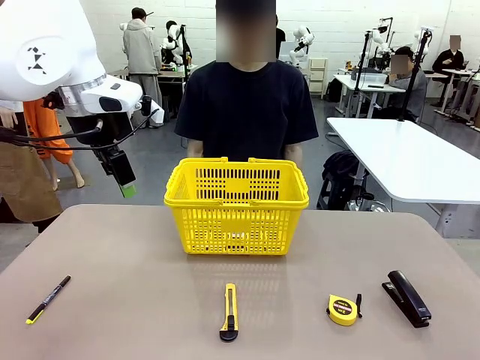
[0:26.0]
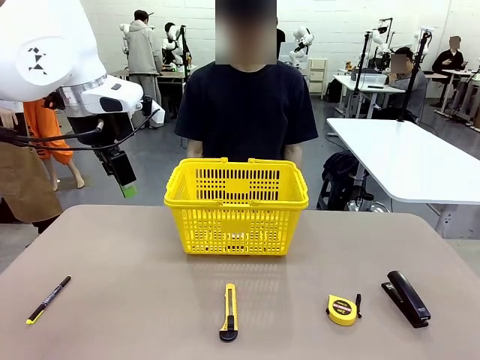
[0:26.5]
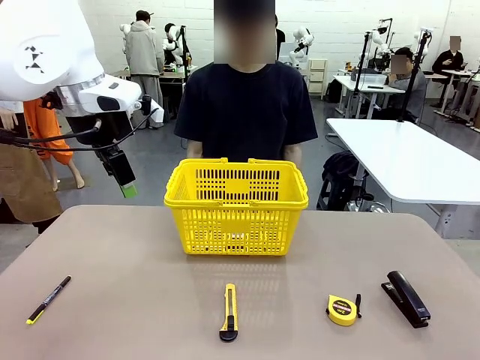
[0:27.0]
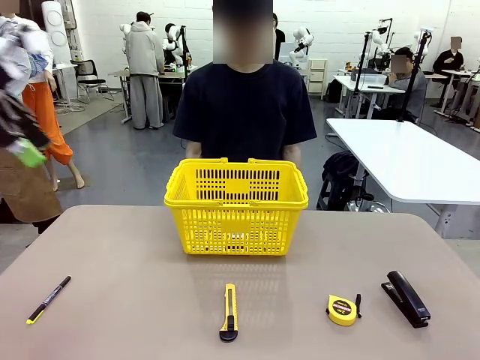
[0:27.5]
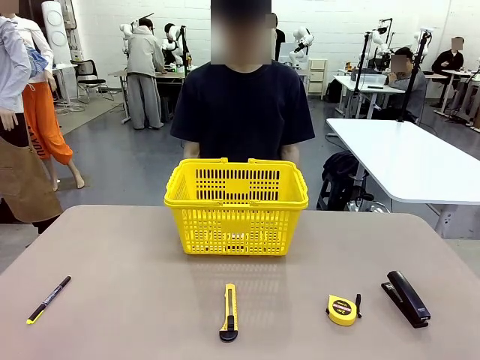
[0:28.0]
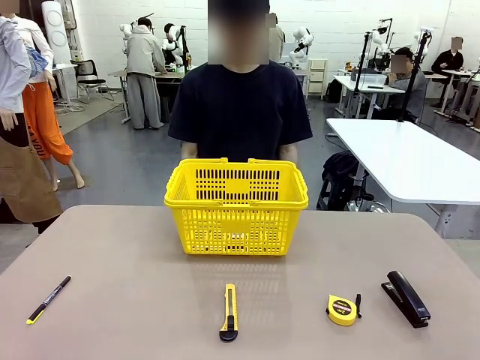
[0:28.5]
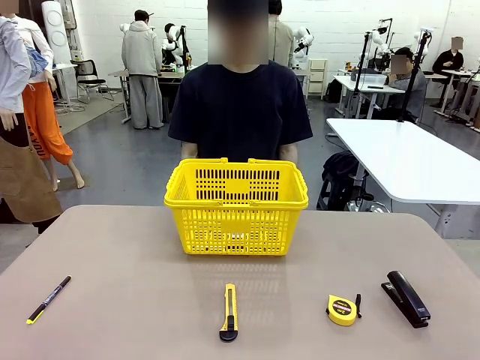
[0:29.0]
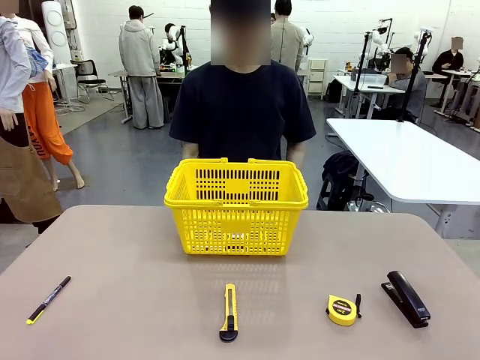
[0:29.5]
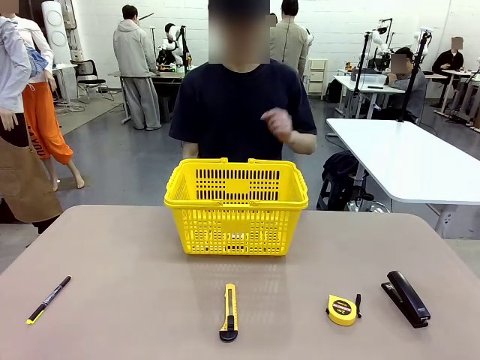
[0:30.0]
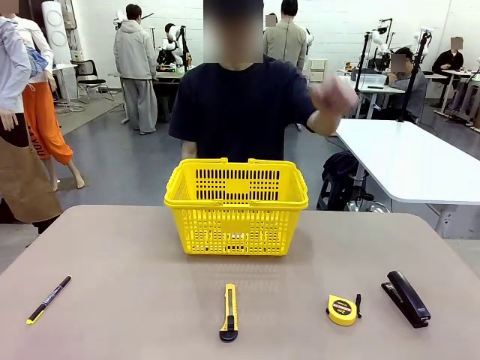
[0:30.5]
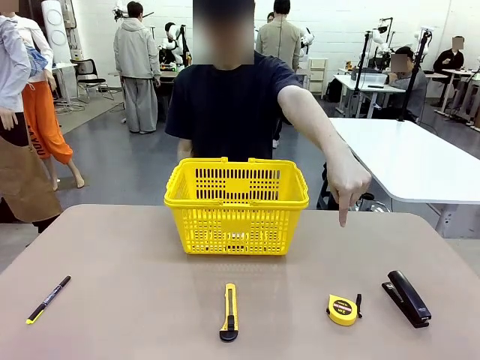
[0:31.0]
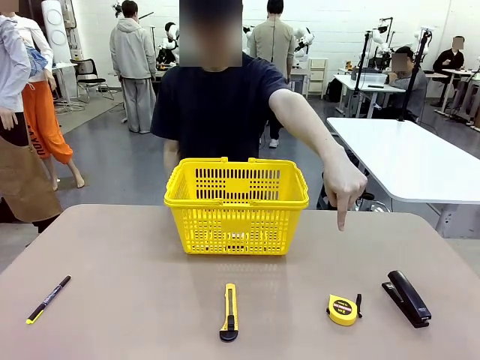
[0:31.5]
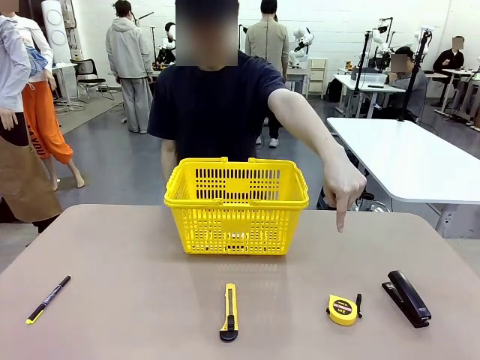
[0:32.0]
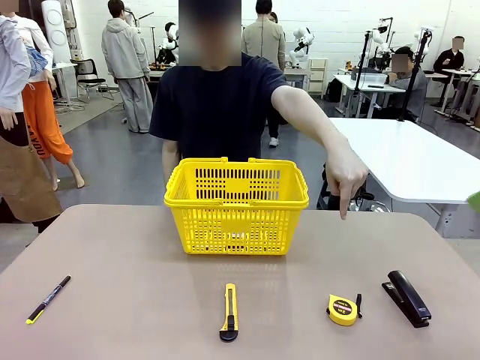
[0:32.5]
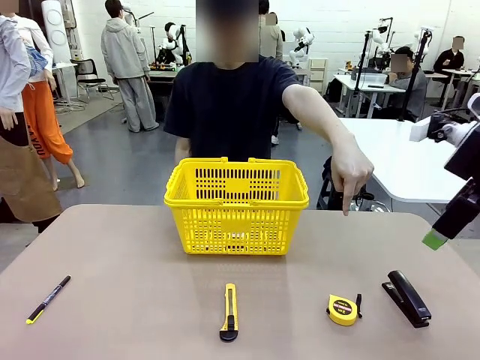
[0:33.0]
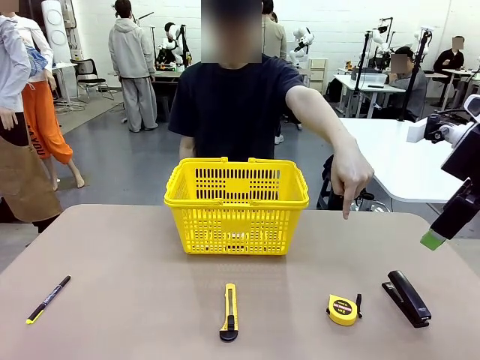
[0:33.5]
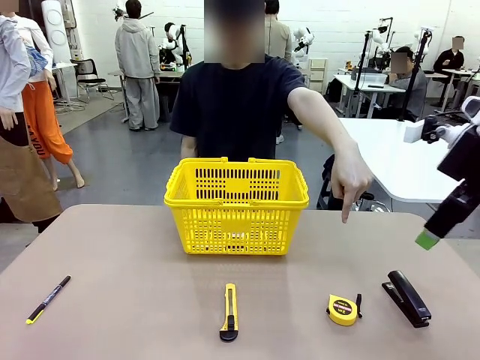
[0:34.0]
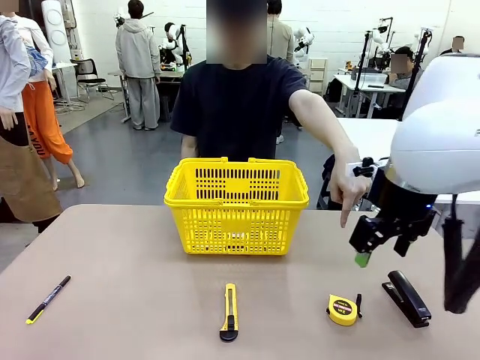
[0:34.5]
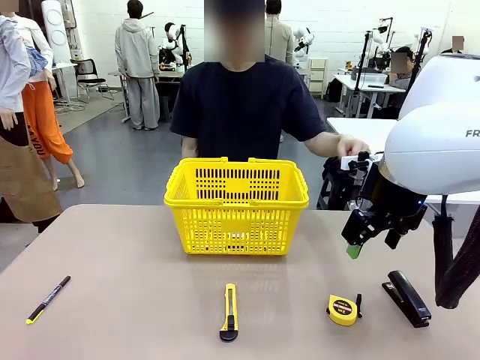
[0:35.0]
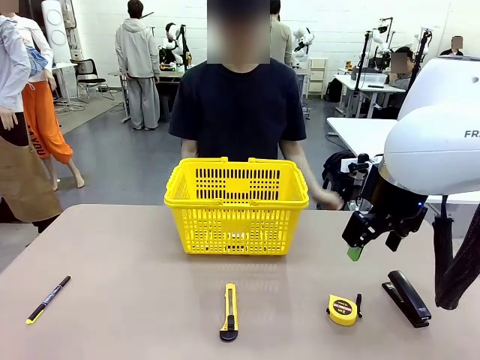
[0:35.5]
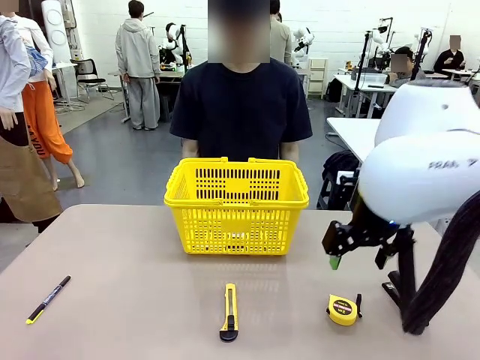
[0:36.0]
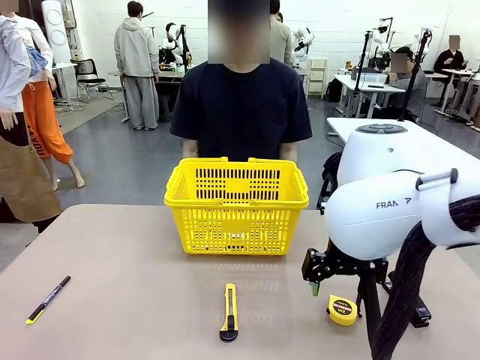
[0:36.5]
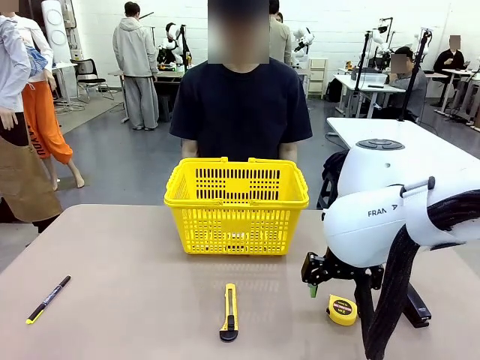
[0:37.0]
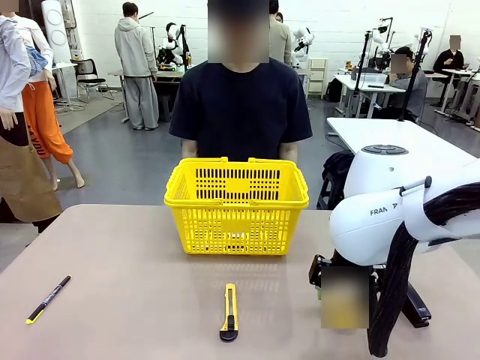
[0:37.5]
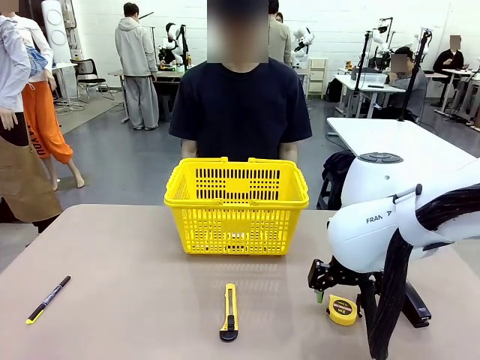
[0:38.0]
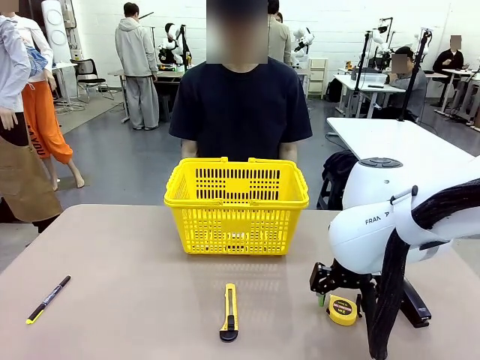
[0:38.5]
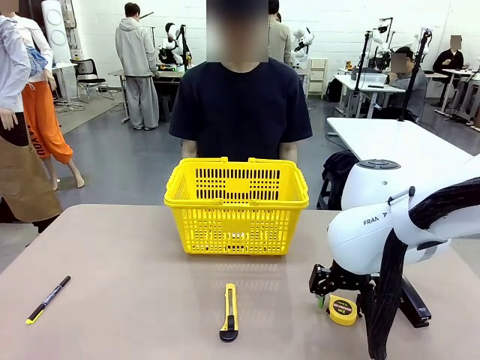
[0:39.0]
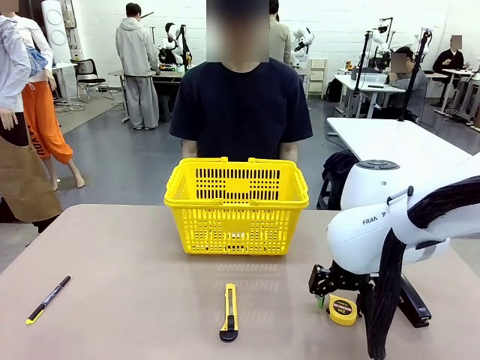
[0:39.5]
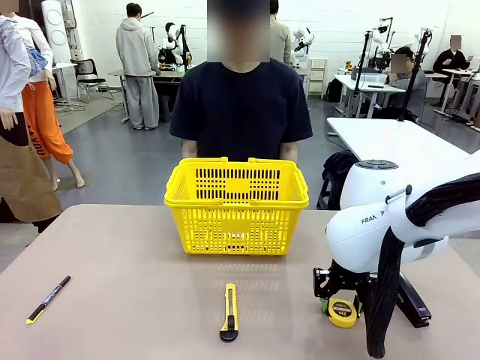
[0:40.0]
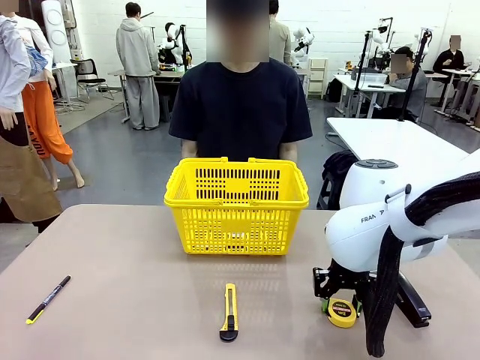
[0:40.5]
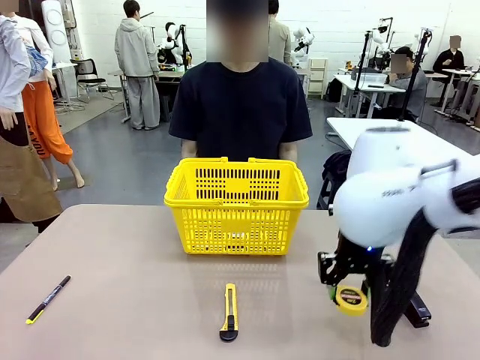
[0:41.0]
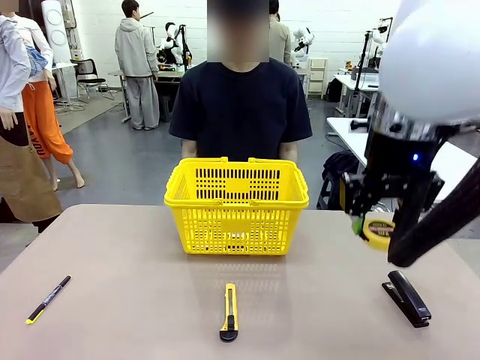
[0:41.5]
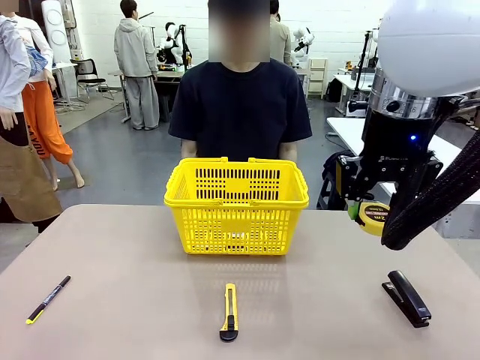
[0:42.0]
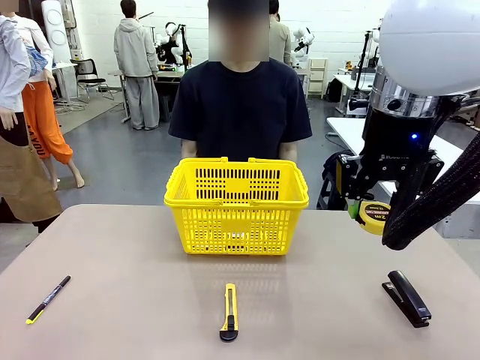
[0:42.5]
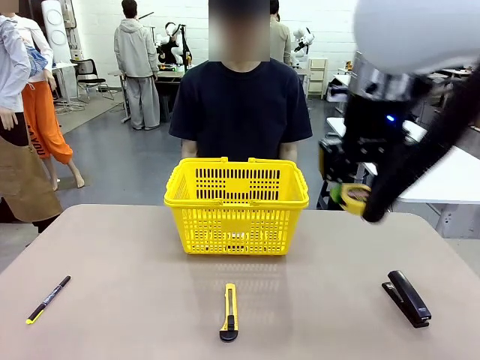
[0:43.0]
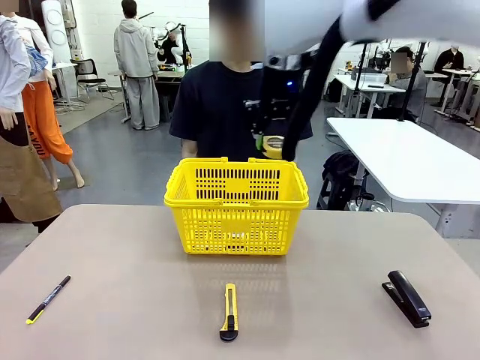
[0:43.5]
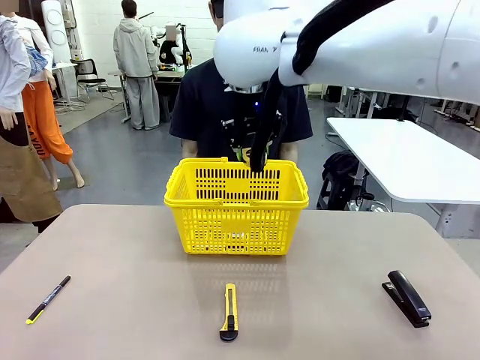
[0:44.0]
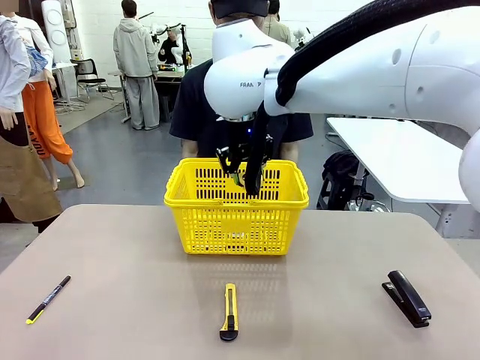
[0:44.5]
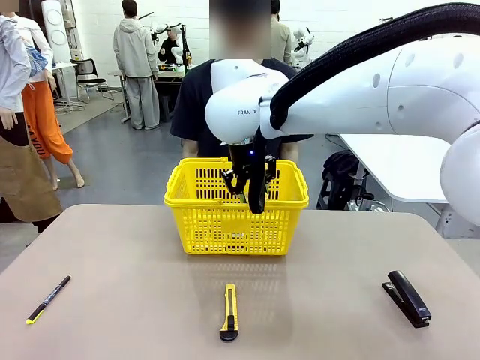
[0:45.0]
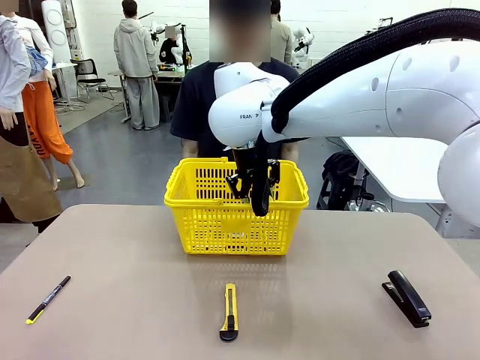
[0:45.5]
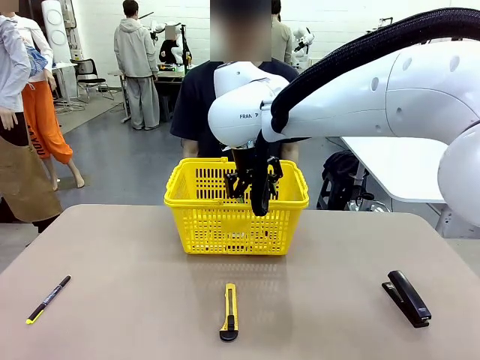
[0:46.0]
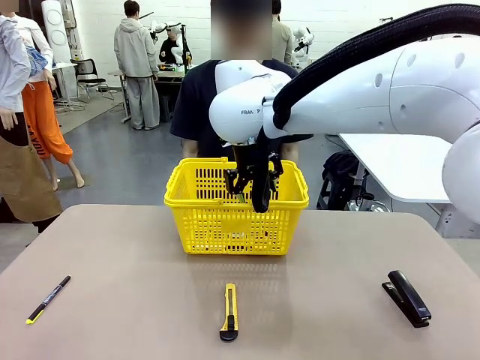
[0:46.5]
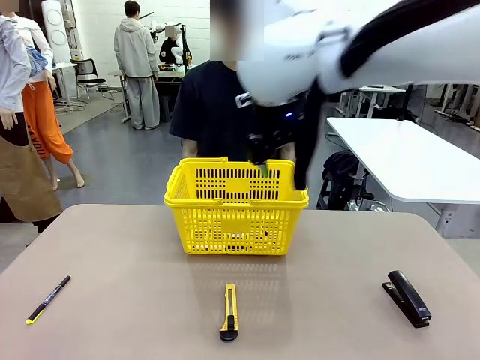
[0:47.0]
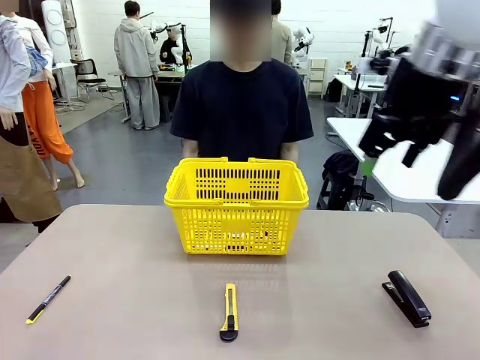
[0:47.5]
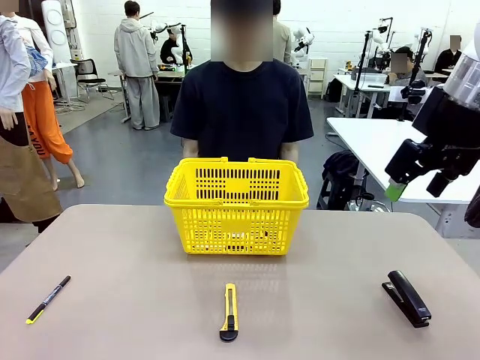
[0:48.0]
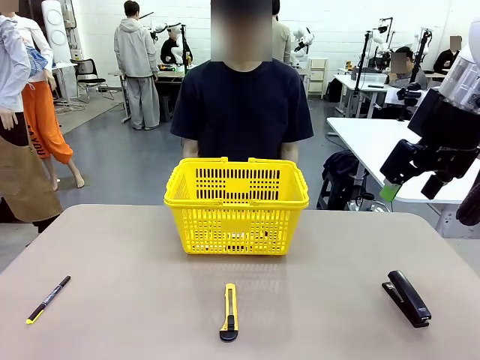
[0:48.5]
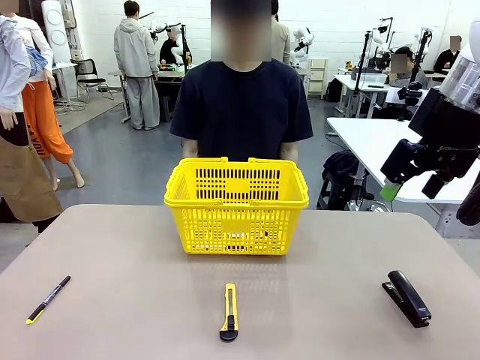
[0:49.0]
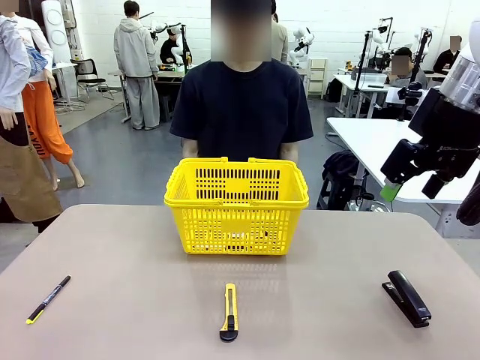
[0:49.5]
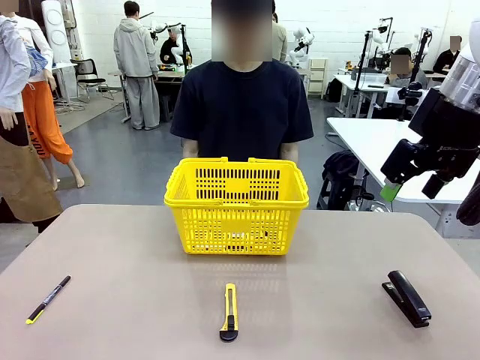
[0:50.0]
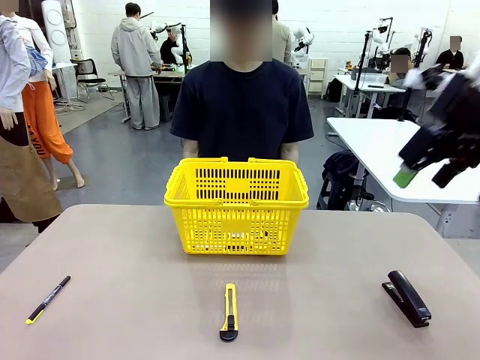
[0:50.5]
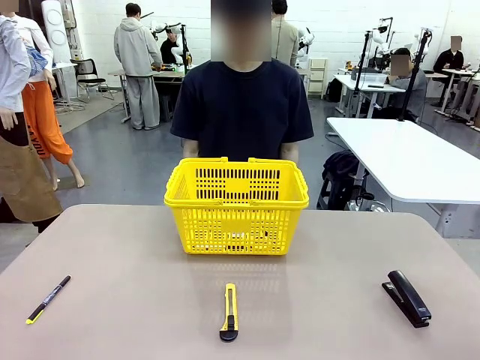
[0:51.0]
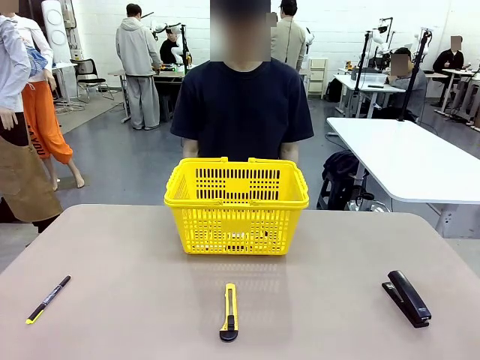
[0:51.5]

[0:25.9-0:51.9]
Task: Place the items the person wants into the basket.
Robot: Pick up the item the person points to and place it in the Market Basket.
